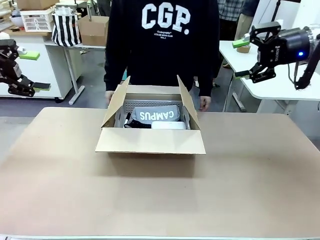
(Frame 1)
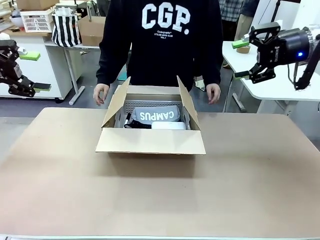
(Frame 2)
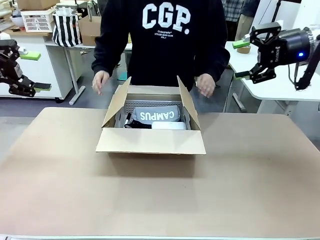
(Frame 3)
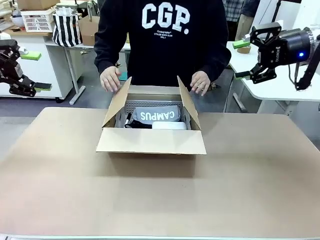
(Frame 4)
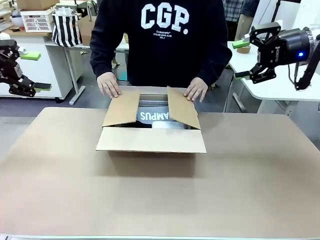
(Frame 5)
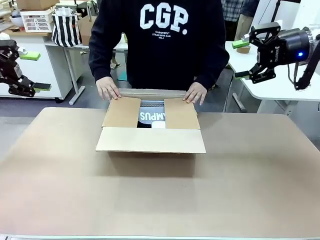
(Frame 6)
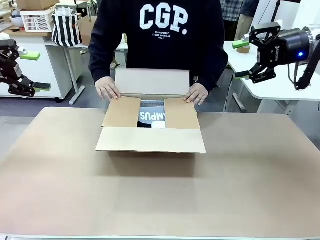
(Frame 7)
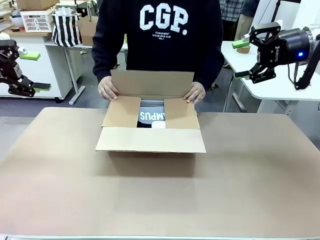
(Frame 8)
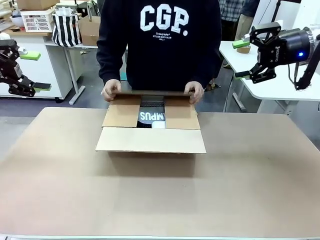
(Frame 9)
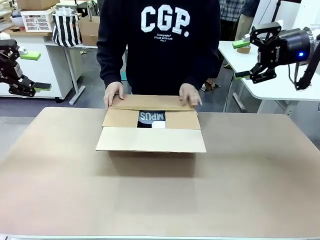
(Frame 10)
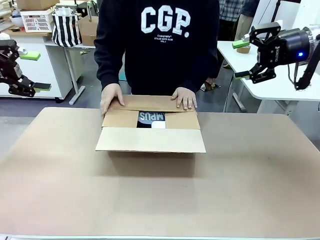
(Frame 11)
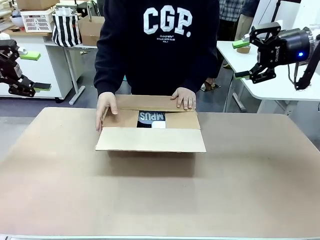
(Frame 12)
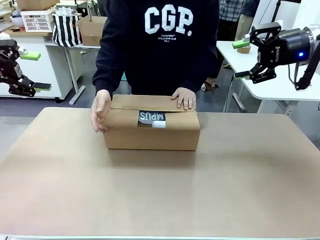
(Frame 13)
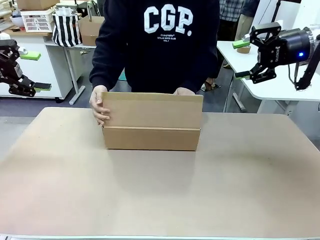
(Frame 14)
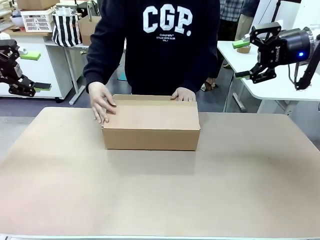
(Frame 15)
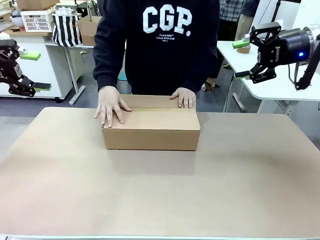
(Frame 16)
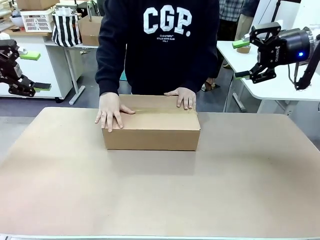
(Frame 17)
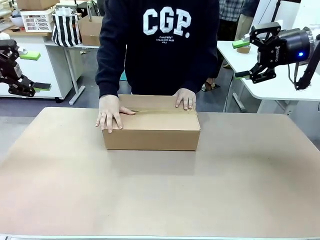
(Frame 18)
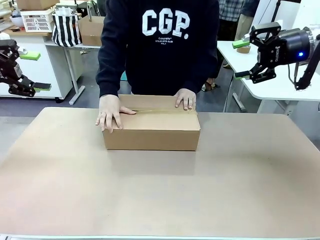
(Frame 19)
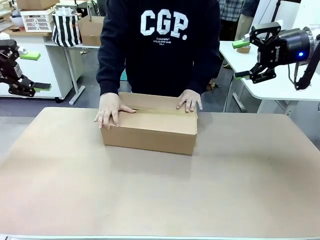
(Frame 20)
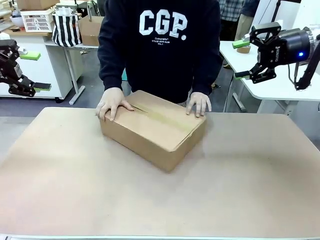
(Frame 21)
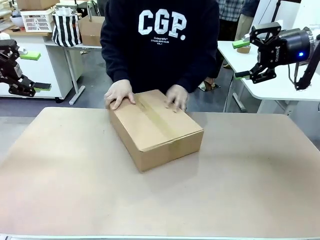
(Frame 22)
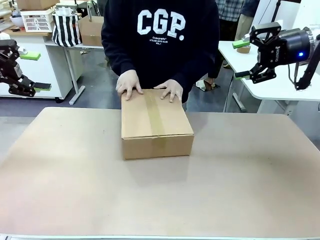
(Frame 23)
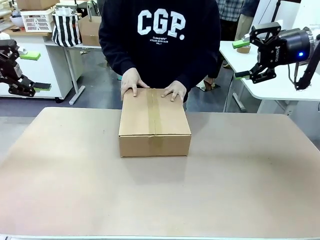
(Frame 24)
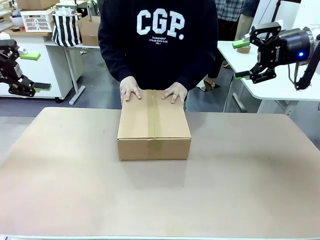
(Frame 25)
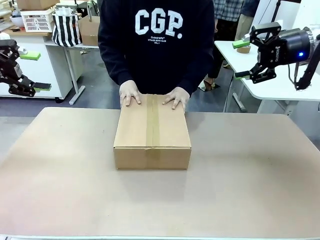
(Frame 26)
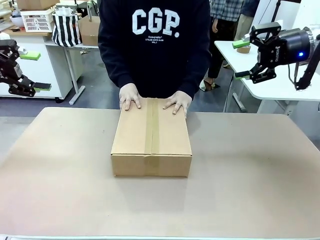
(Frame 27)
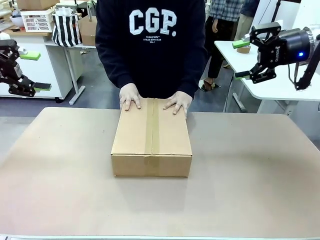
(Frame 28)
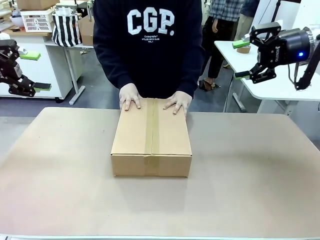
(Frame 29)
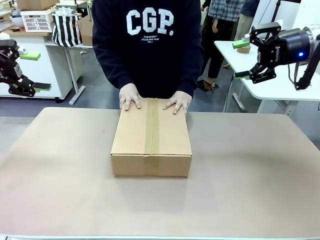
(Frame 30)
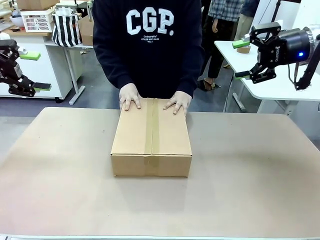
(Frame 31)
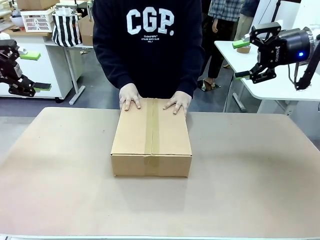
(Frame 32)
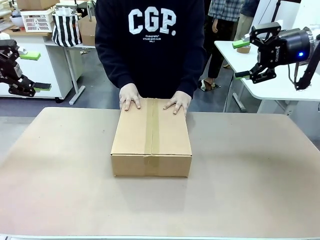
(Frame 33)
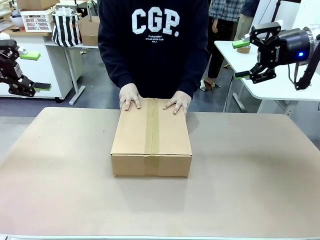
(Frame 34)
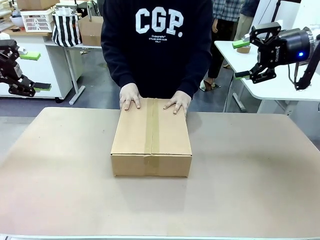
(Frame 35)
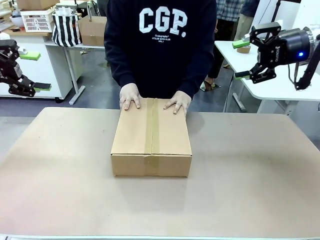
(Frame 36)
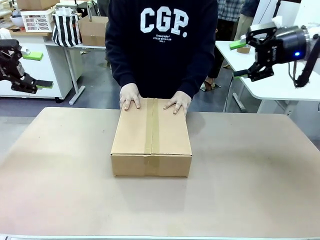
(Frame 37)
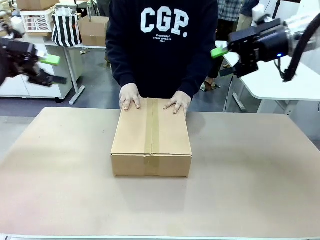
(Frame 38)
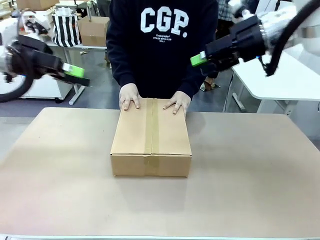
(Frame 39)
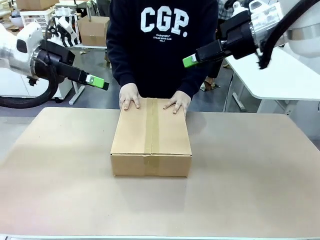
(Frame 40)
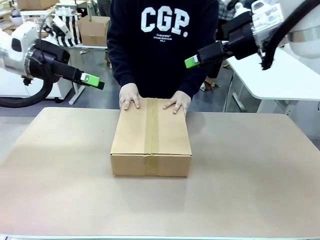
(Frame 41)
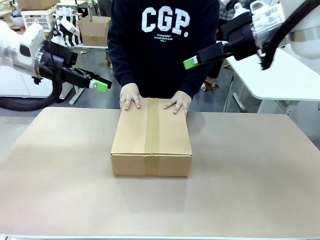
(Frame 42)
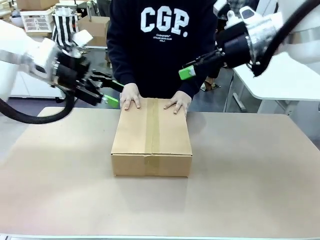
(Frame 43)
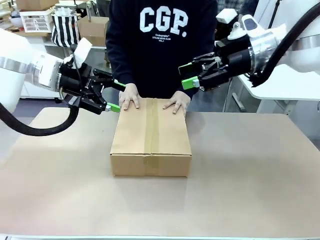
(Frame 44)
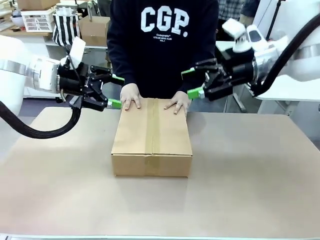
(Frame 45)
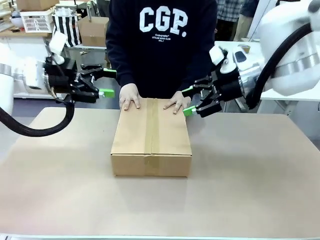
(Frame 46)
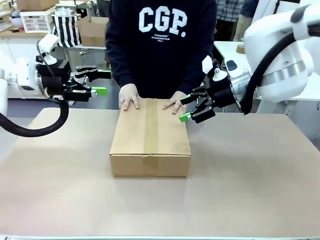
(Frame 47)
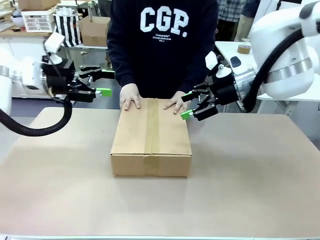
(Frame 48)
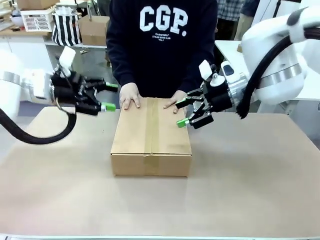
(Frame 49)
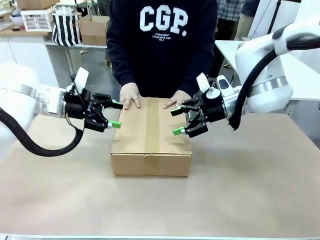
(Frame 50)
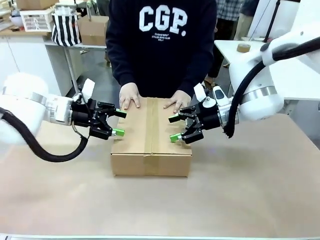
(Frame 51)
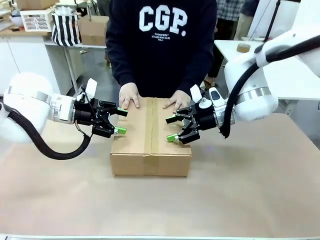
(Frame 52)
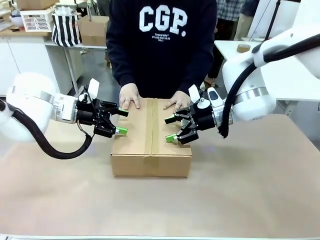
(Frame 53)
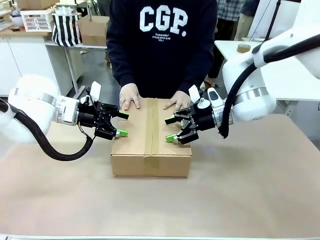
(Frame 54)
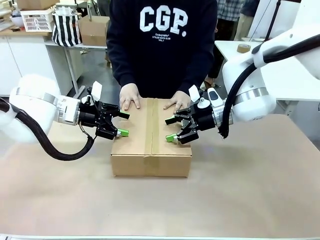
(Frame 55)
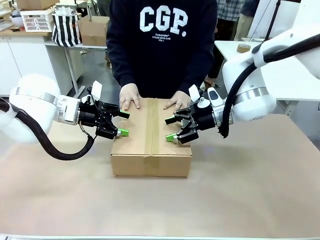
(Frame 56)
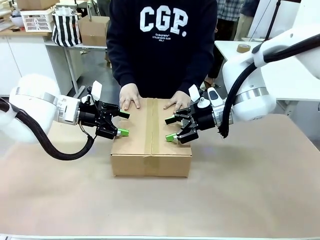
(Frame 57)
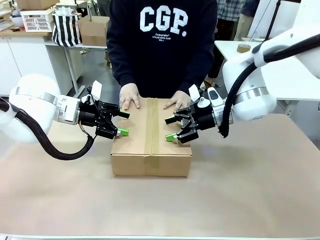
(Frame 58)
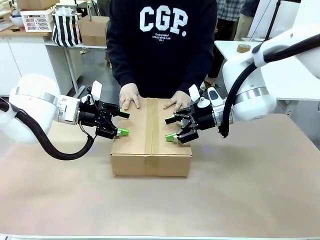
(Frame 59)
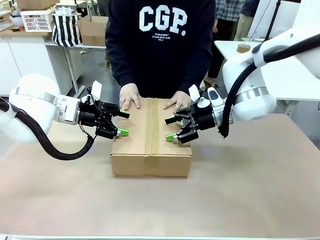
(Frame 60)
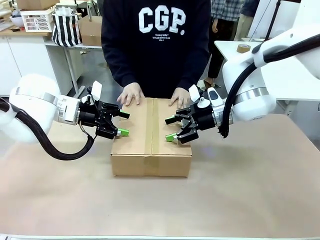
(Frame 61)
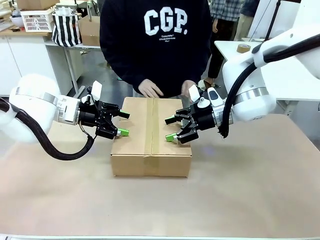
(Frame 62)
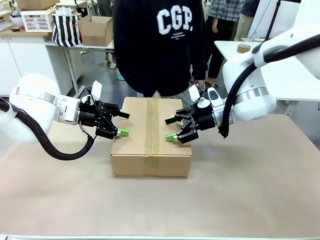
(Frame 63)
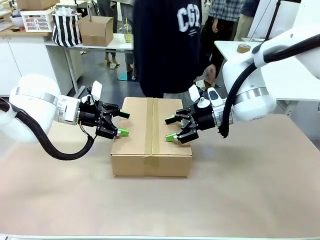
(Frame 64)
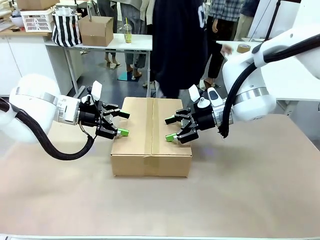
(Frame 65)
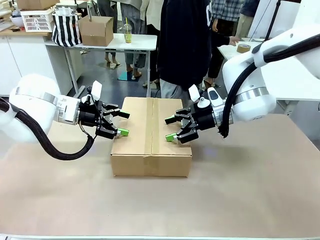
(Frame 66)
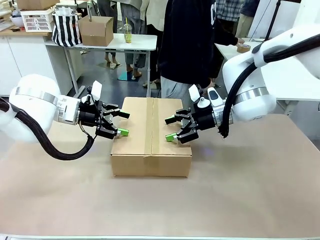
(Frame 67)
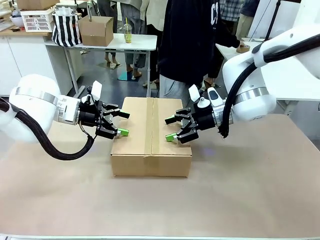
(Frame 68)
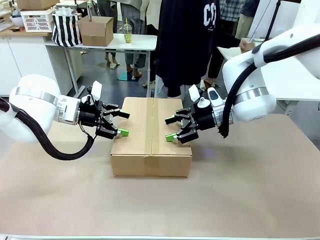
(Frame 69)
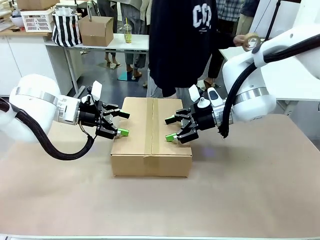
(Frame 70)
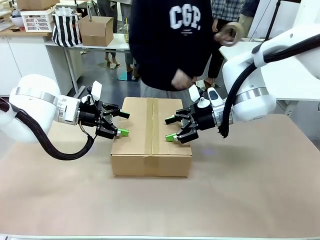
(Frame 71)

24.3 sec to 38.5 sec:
Task: Pack the gift set into the box.
Robot: Press and hold the closed box until the human finishes sealing it.
Person: The human closes the box and rotates the box by 90 degrees.

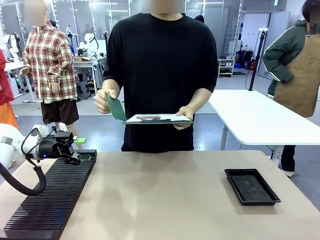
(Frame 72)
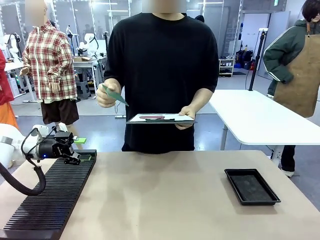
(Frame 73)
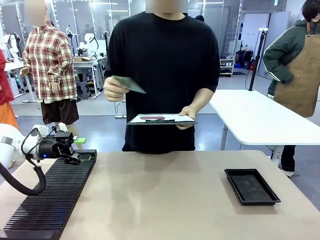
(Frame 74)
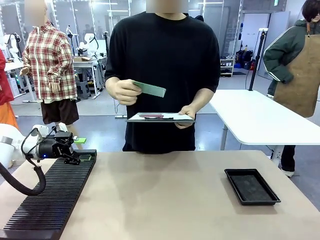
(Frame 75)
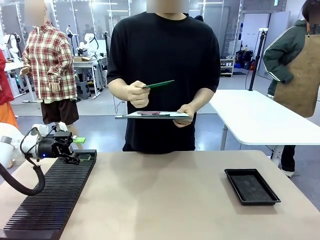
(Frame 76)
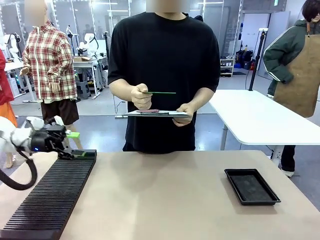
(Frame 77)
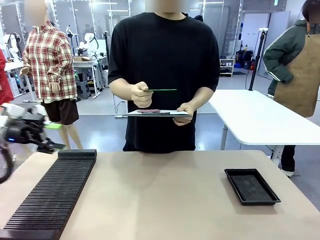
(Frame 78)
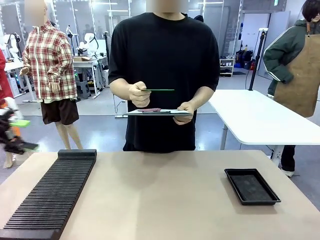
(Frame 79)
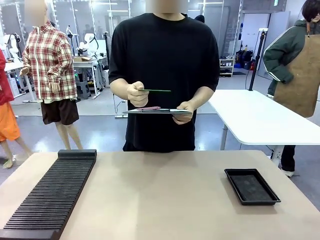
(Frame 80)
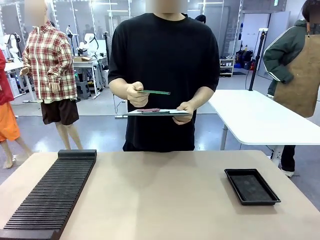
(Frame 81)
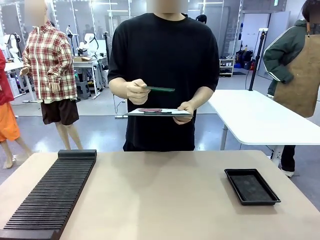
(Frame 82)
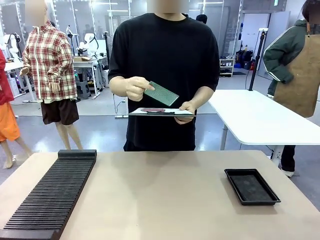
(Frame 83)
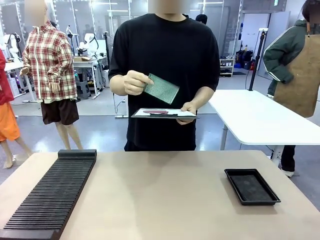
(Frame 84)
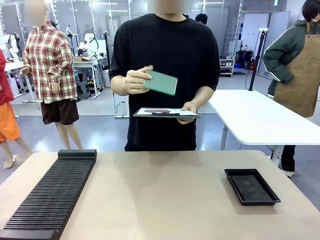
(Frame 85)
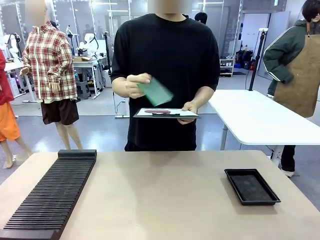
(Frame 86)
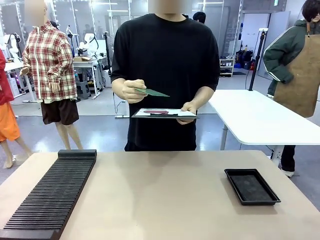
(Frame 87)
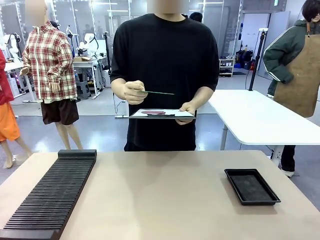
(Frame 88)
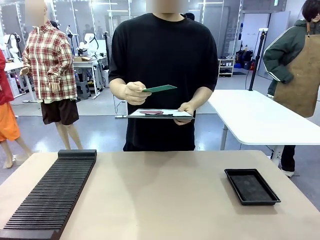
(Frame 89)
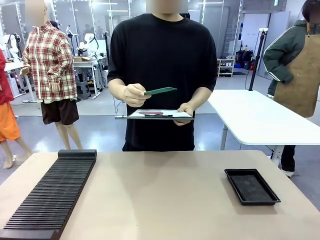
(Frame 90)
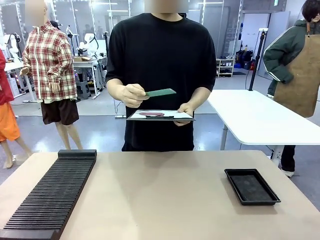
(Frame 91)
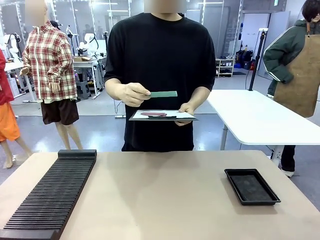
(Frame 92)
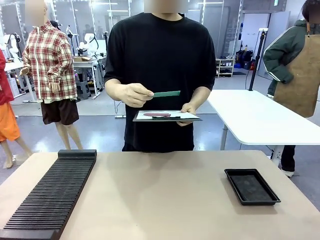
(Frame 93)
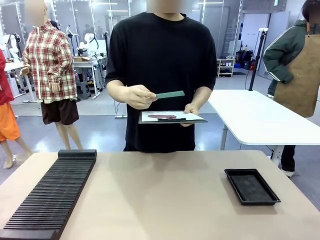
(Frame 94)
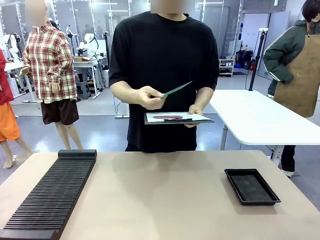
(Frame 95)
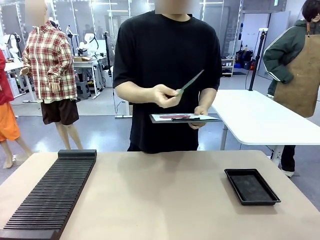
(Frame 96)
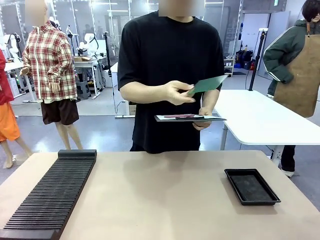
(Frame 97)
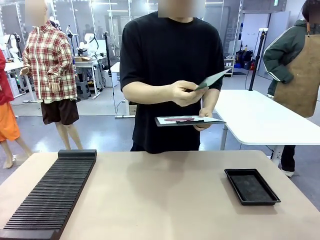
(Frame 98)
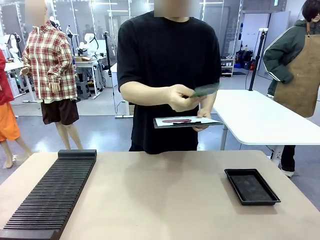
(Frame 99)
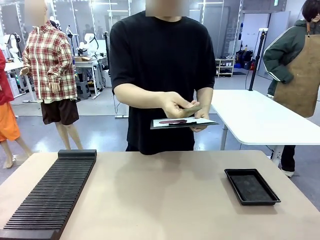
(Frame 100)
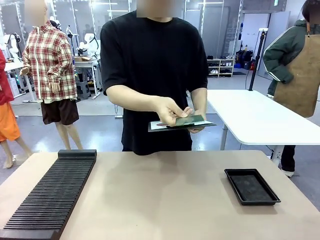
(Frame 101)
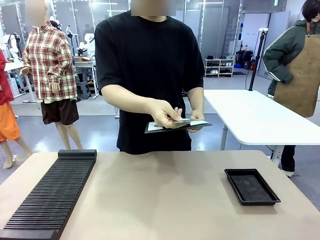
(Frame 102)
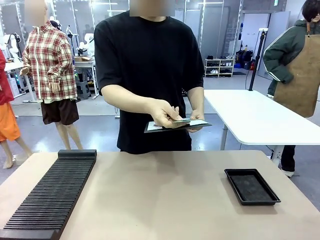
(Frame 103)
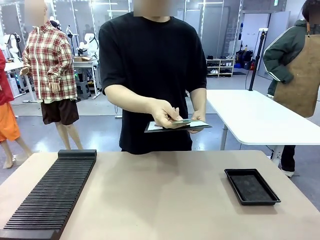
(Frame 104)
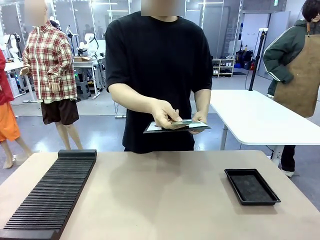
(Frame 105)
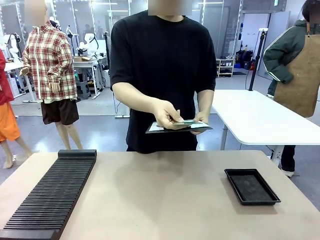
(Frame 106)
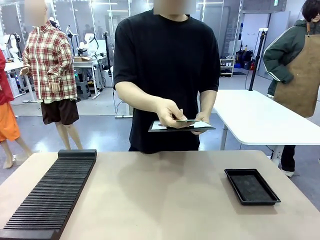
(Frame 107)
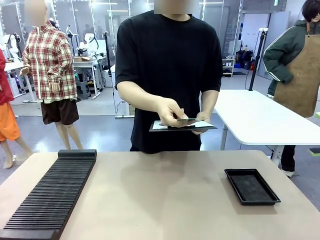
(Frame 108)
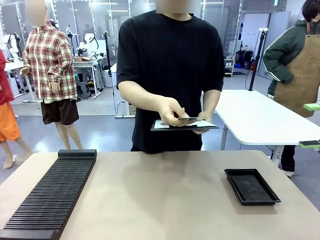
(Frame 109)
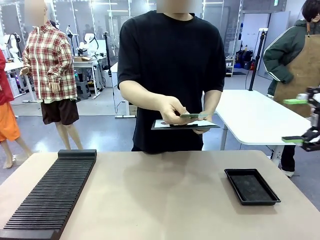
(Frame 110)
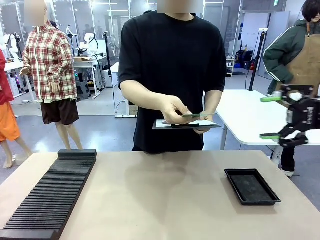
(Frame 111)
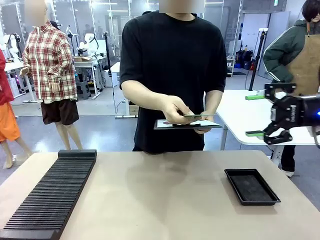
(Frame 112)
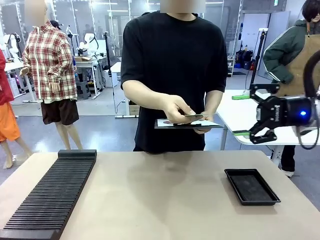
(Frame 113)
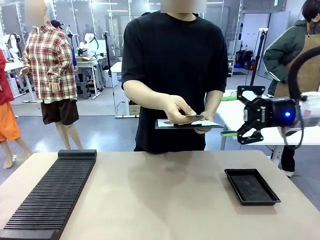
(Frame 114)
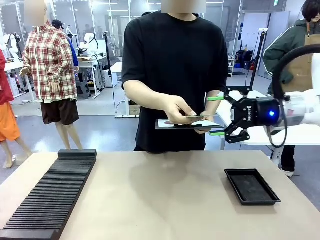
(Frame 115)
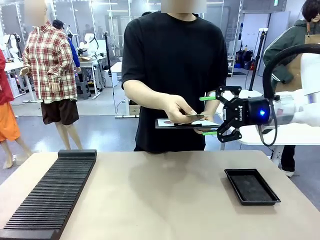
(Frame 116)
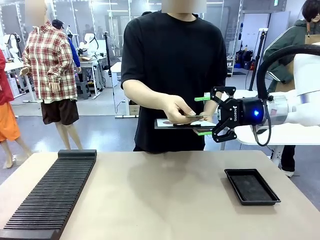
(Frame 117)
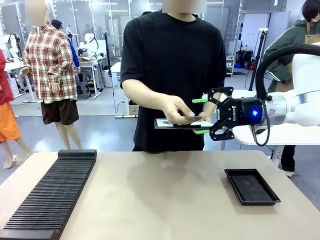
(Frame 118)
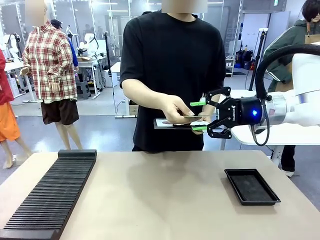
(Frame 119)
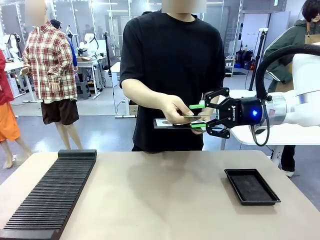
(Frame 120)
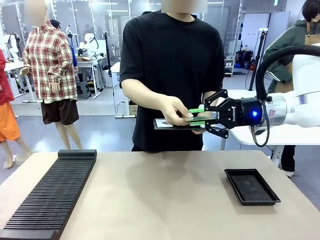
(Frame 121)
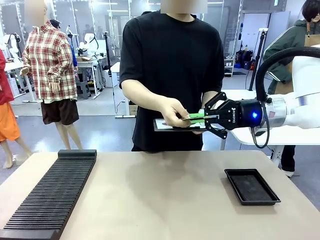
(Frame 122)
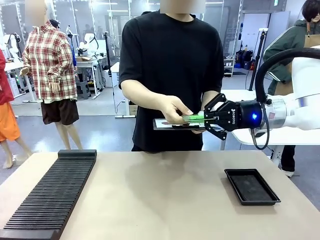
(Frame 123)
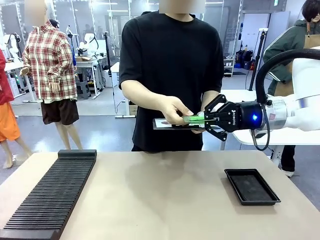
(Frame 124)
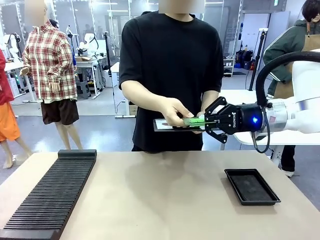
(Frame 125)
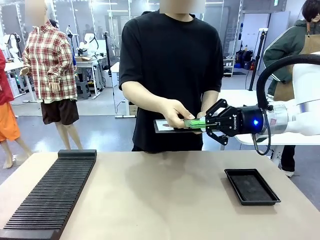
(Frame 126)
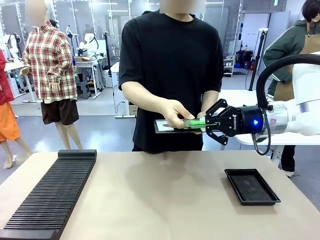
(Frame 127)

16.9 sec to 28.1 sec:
Task: Inspect the PCB.
Robot: Pick up the Blank PCB that the human is holding.
Person: Inspect the PCB placed by the robot, then hold it out in front of the robot. Release the PCB you were holding.
